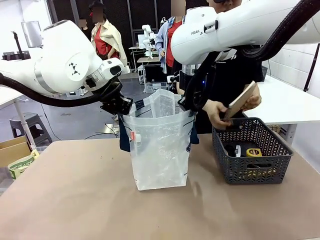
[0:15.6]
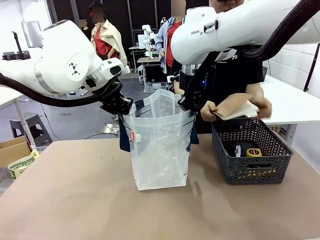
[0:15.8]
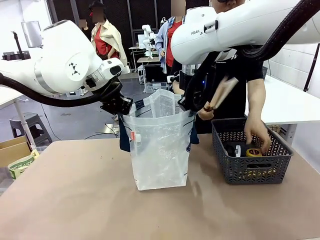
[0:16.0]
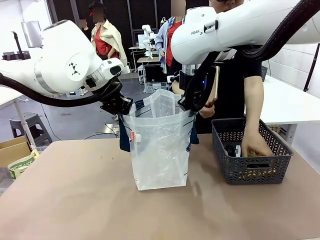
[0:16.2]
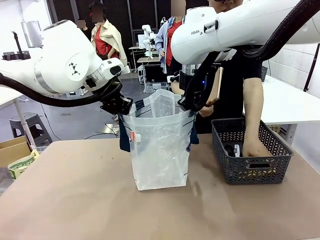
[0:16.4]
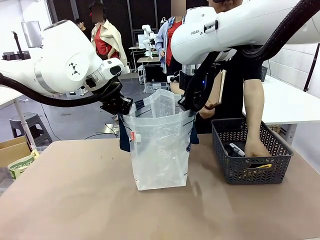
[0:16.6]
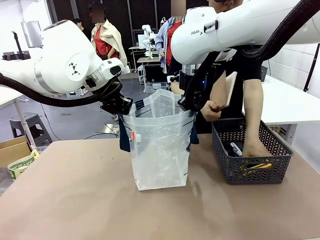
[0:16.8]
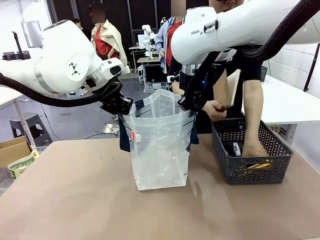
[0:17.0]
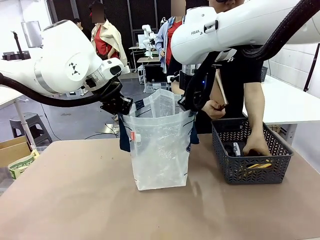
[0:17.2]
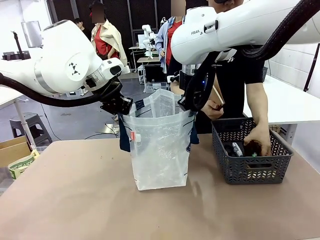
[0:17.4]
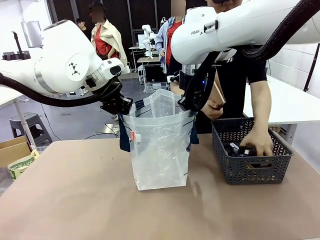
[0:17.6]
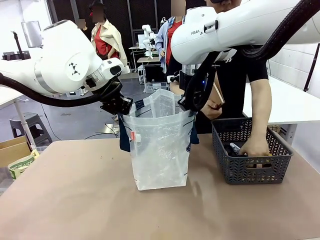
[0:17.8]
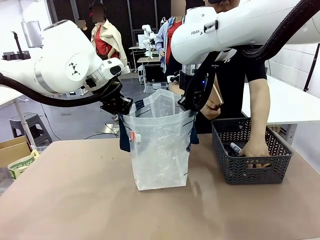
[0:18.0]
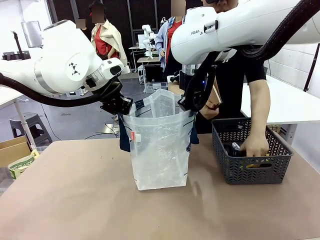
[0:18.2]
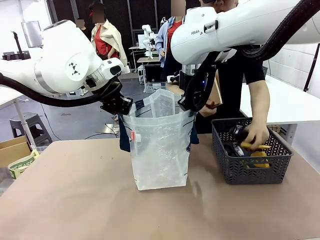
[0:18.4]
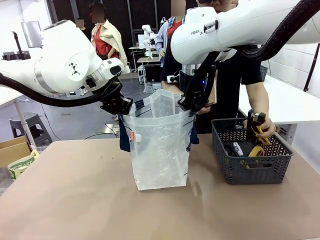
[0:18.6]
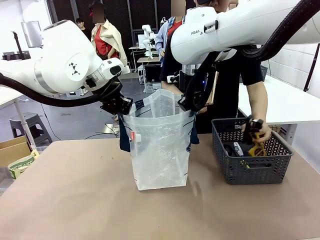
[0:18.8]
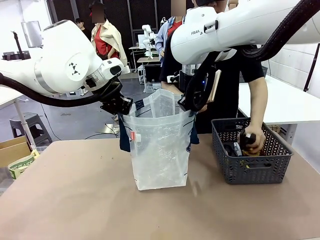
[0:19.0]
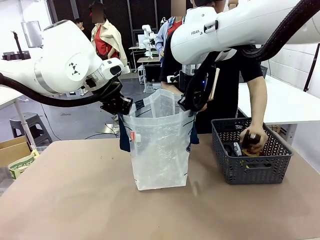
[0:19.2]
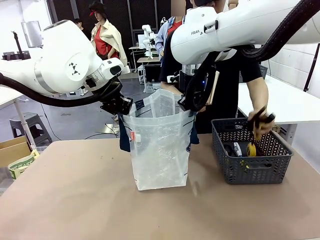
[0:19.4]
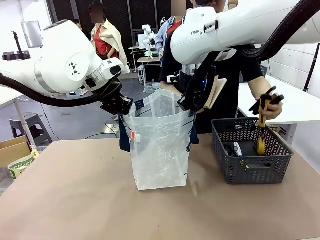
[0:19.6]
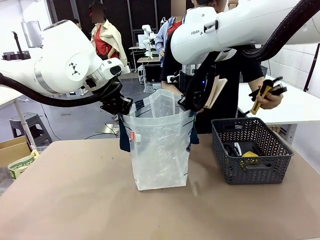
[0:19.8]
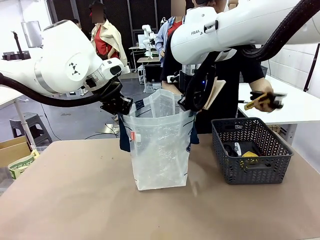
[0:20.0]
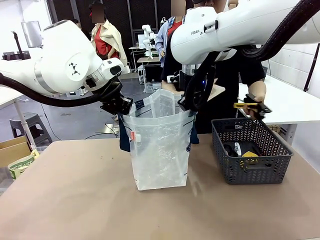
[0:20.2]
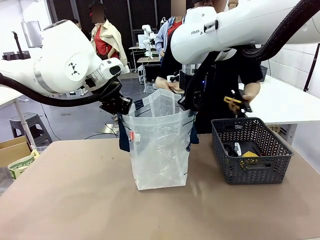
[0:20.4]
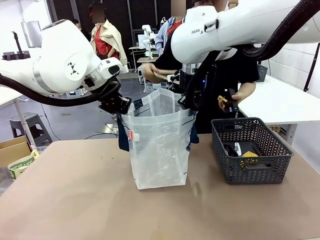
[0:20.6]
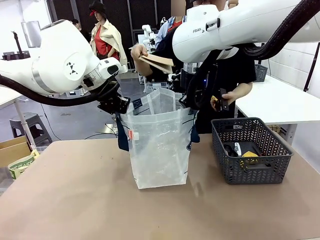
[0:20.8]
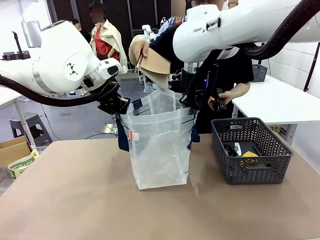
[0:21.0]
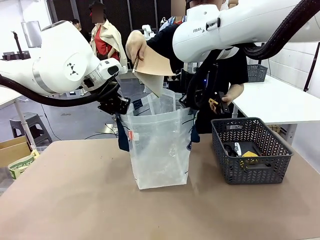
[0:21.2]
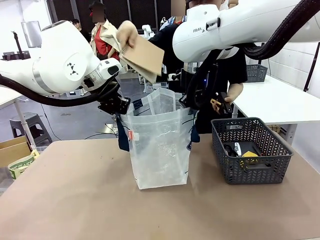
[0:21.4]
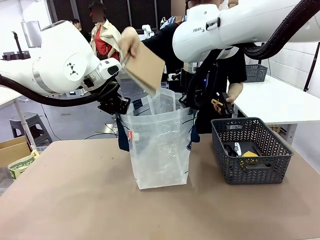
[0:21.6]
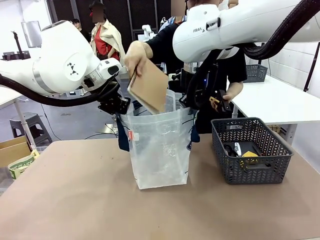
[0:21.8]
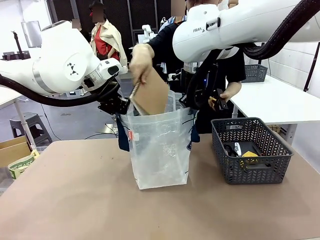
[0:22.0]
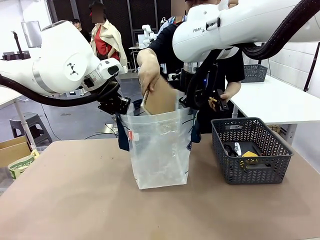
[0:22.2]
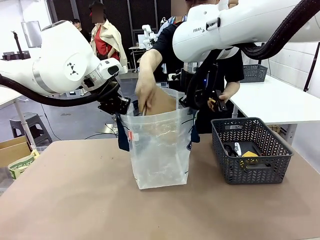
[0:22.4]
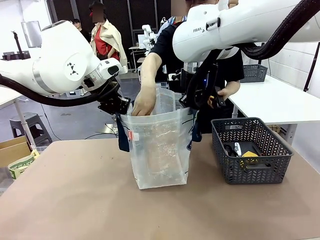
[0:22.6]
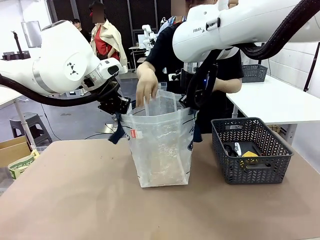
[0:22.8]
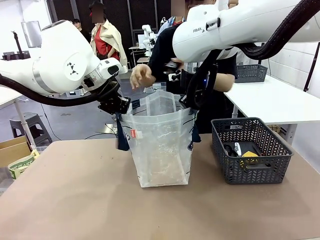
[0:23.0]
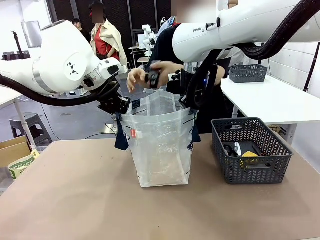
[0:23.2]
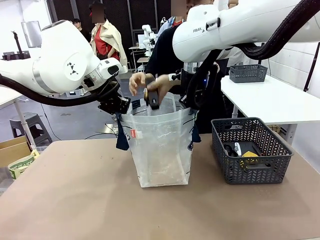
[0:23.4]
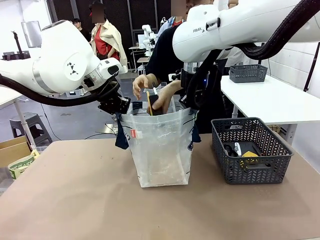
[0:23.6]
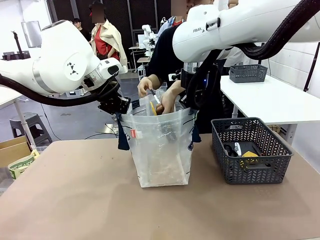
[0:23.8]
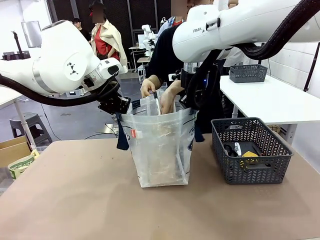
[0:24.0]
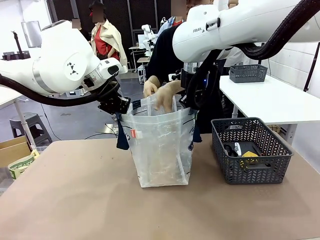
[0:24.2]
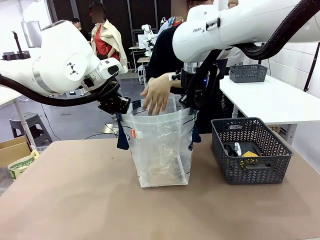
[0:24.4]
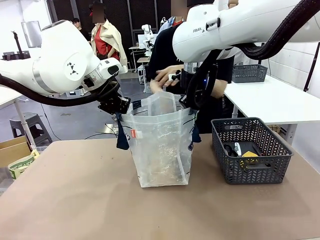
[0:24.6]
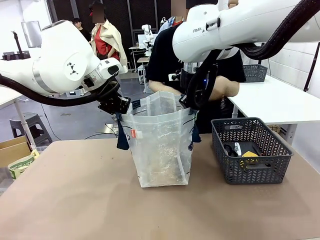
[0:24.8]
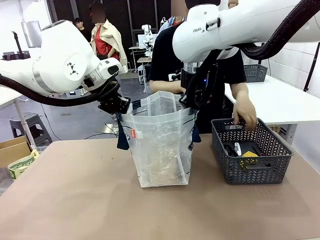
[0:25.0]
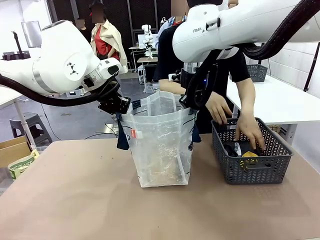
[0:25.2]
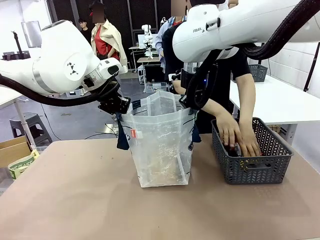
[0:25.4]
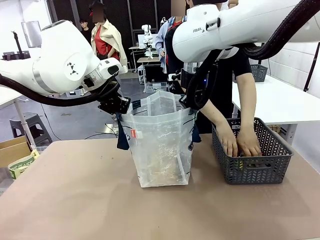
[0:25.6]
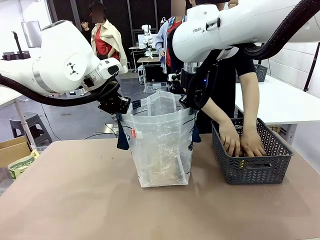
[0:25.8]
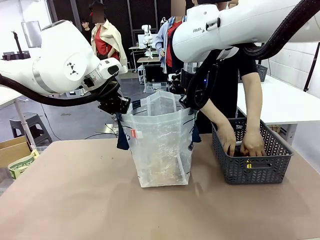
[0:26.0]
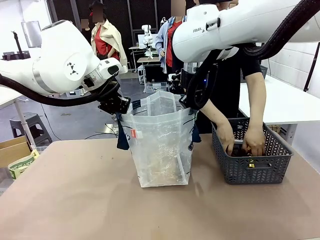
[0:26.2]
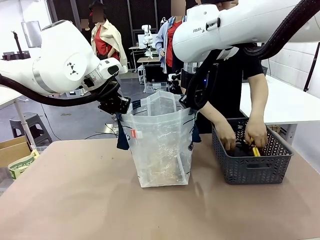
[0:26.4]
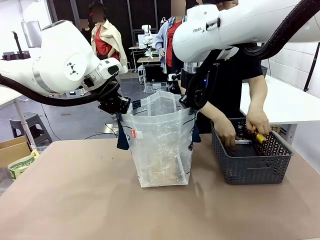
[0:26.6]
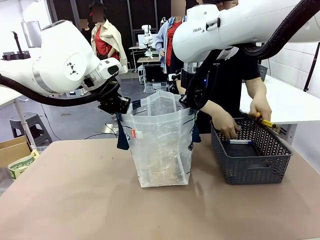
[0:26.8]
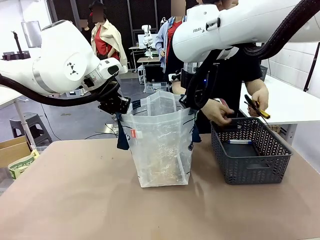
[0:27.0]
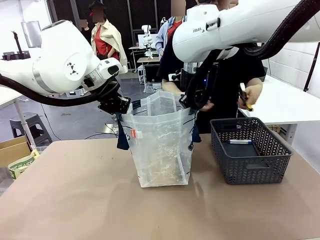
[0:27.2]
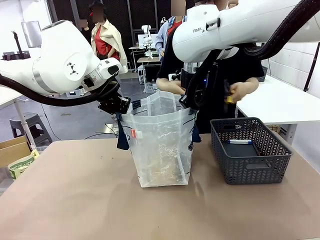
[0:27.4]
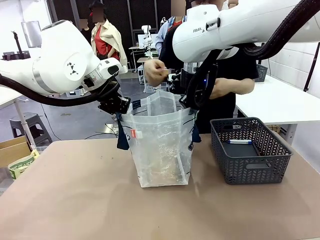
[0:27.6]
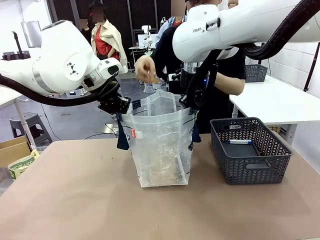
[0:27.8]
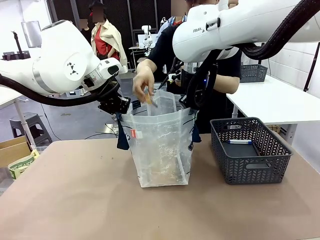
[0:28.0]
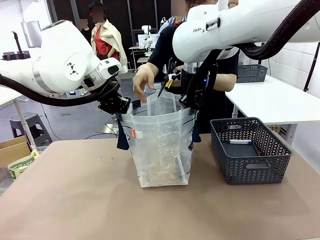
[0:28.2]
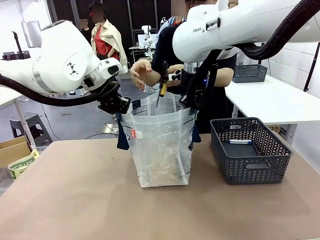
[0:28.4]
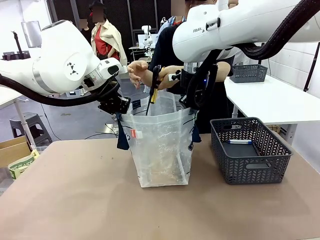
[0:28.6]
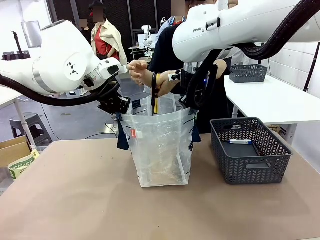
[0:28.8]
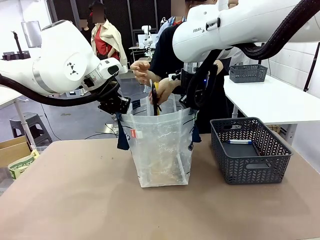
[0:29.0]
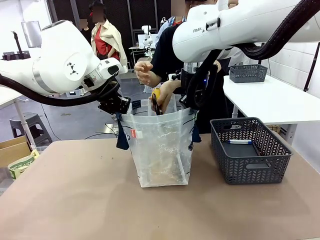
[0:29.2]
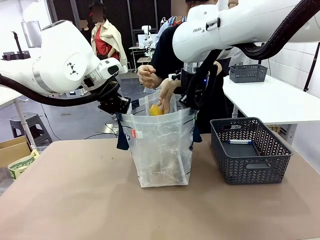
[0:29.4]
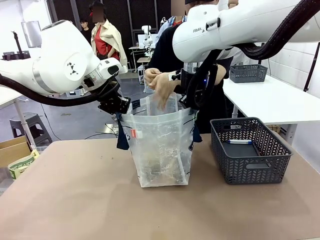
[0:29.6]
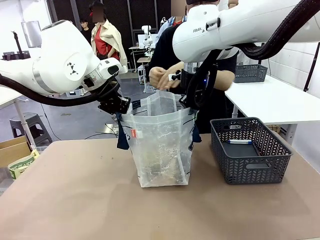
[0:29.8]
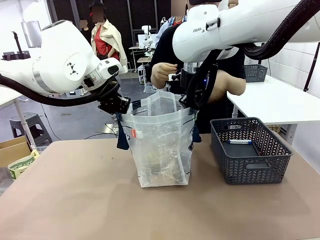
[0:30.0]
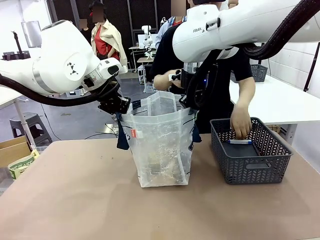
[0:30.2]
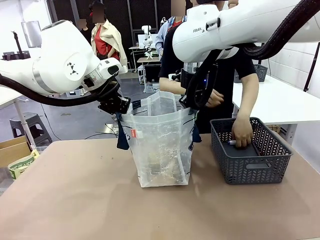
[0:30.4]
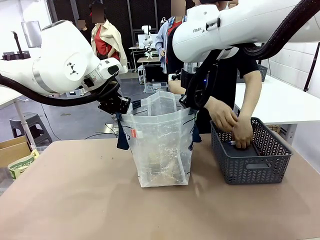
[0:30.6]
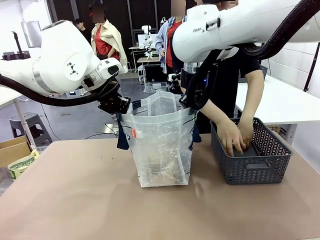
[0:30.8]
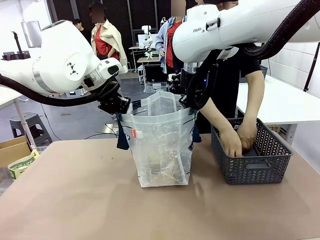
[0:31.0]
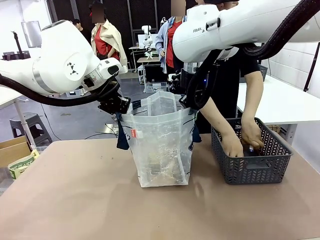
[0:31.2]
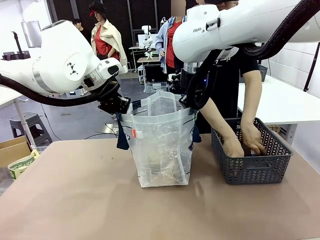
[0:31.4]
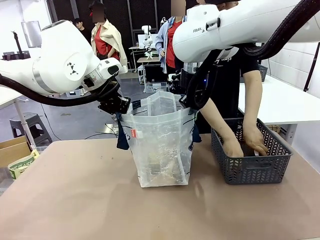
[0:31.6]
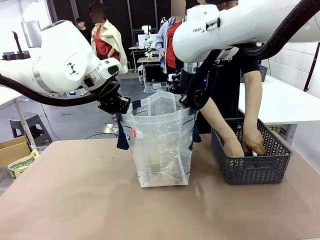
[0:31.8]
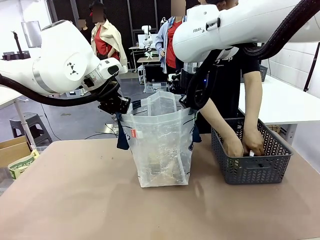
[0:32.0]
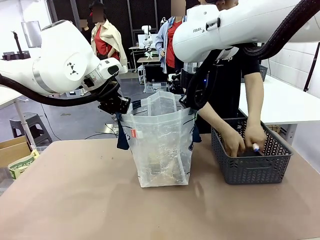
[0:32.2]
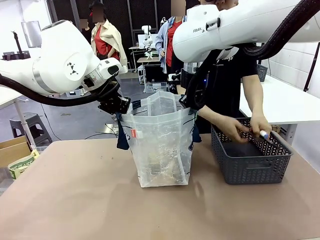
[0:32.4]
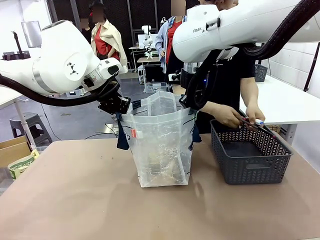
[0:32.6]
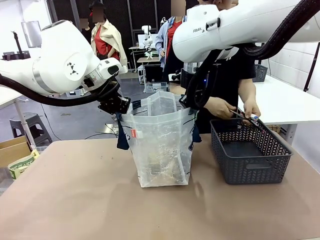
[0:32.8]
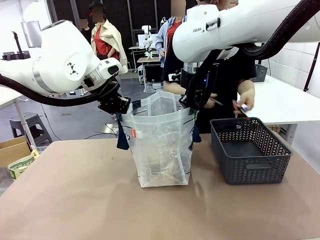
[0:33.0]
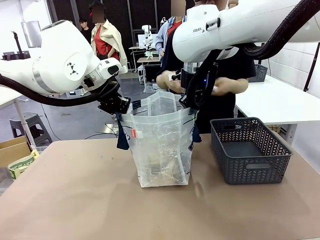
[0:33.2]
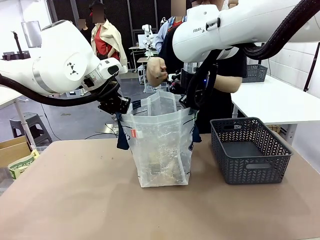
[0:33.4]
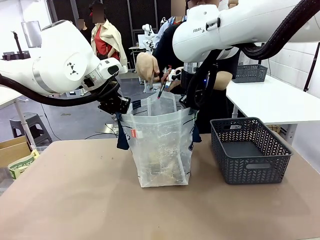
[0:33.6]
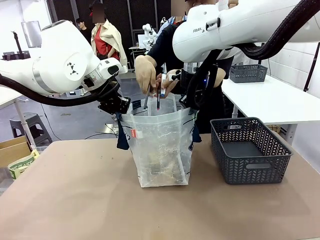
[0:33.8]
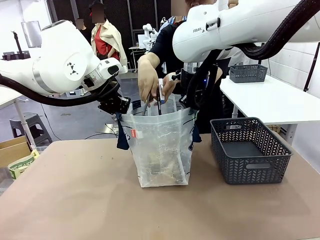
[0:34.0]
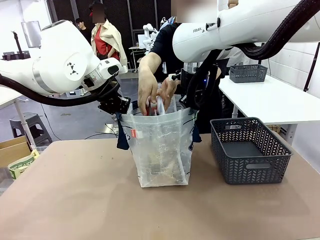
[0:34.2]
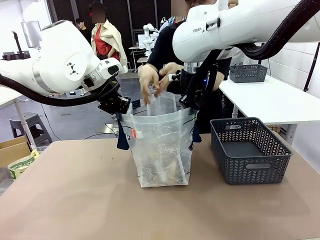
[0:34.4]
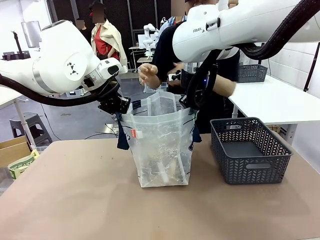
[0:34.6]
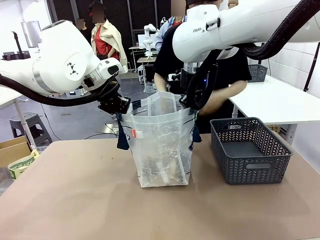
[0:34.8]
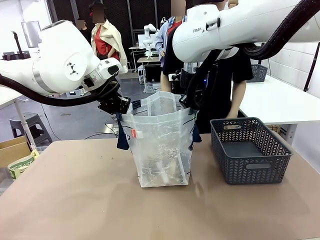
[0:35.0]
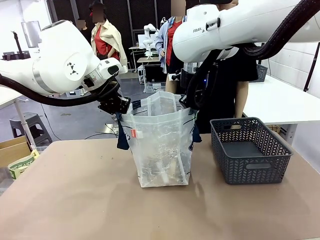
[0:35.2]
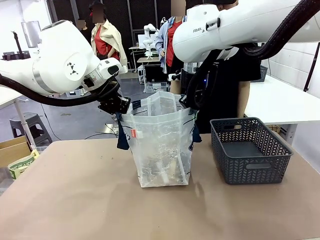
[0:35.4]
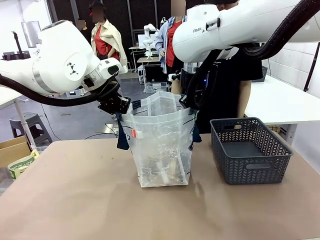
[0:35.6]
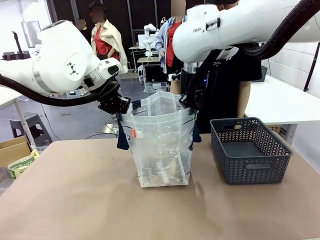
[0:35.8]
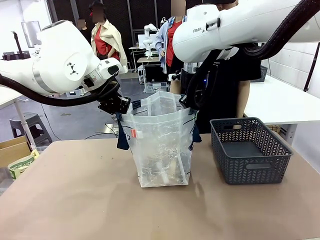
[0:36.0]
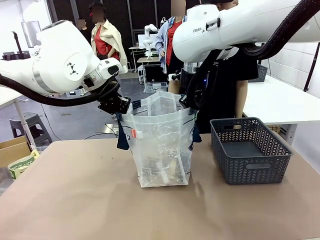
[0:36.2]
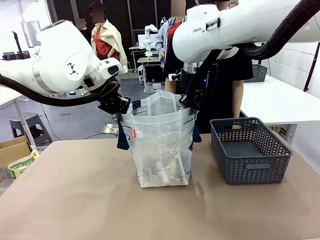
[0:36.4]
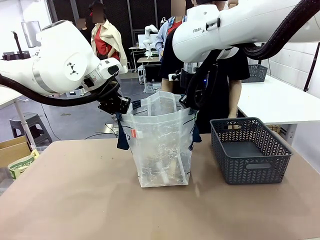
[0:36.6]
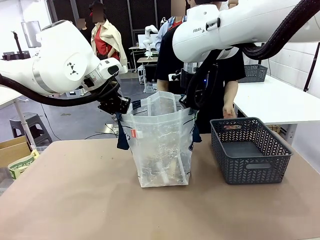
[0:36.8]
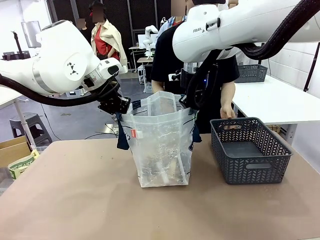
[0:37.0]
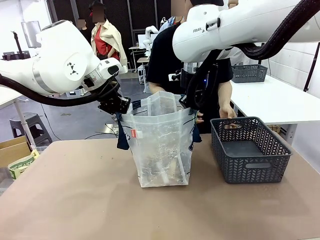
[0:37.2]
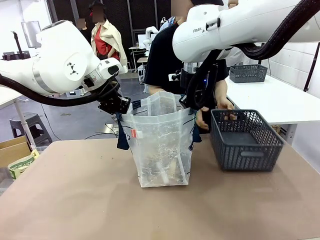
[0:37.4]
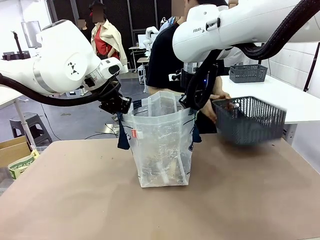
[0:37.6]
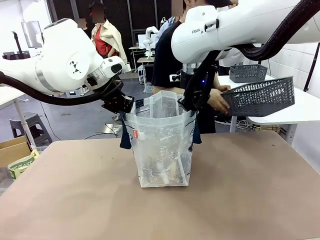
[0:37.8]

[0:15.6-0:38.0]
Task: Transfer purchased items from the store into the shopping bag.
Robot: Move the Reusable shopping bag to the right side of the table.
Person: Pick up the basket on the right, place it on the left side of the robot table, and move the items in the basket to the shopping bag.
